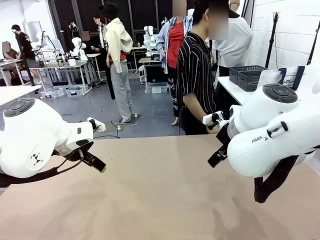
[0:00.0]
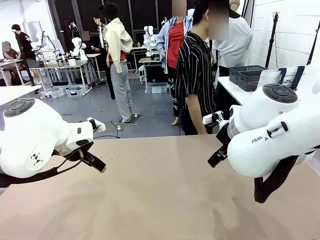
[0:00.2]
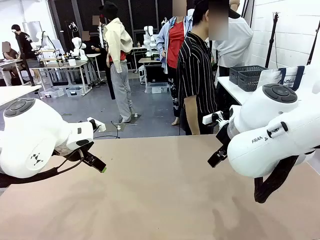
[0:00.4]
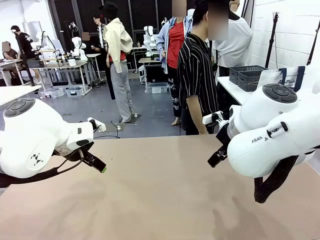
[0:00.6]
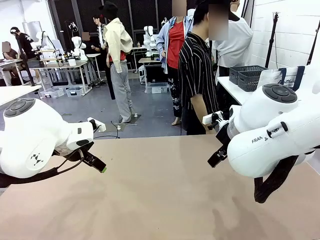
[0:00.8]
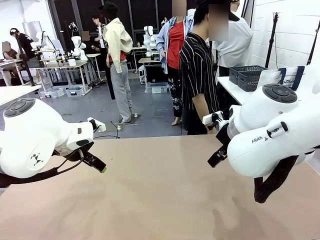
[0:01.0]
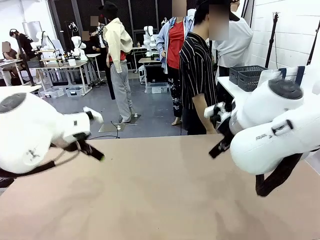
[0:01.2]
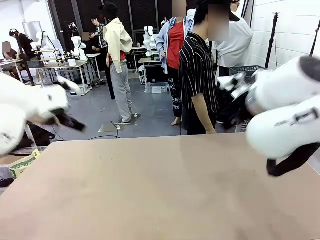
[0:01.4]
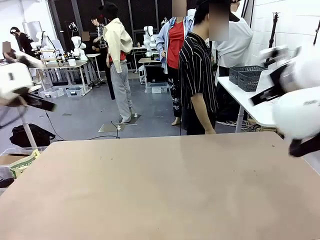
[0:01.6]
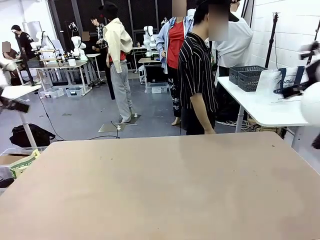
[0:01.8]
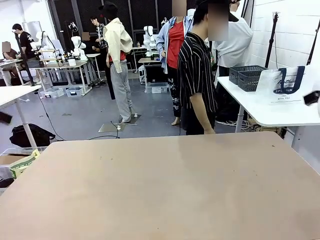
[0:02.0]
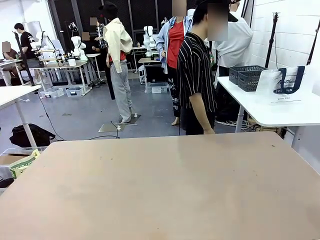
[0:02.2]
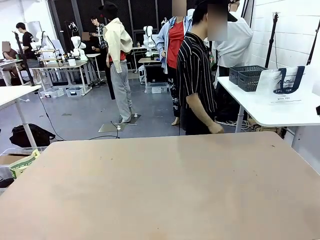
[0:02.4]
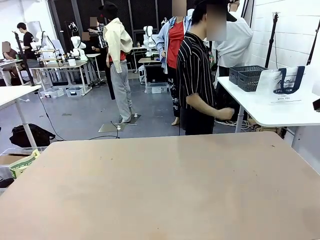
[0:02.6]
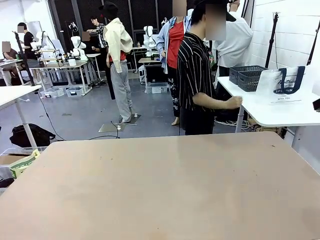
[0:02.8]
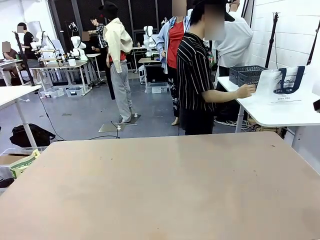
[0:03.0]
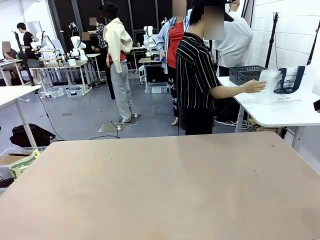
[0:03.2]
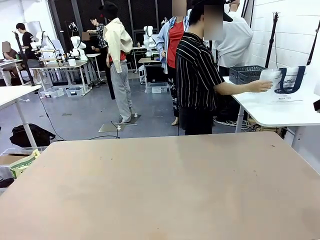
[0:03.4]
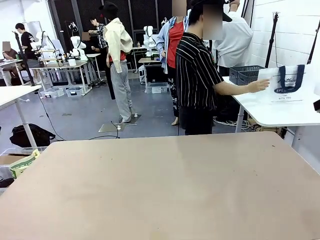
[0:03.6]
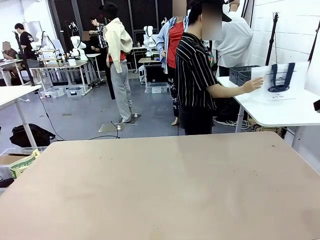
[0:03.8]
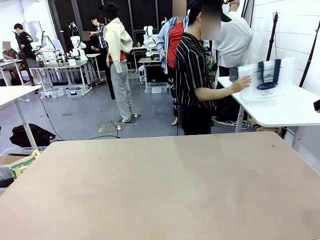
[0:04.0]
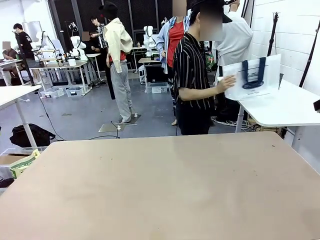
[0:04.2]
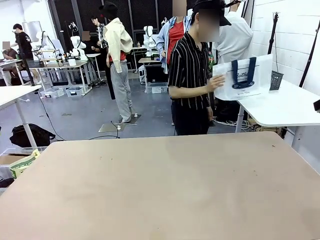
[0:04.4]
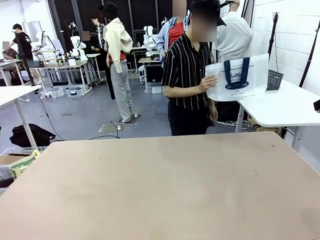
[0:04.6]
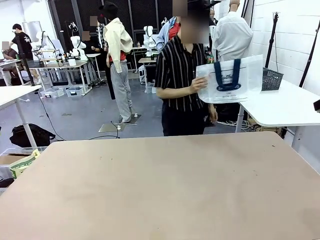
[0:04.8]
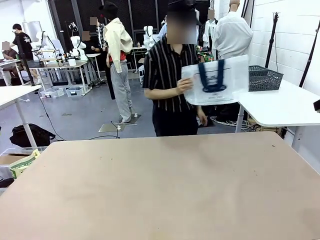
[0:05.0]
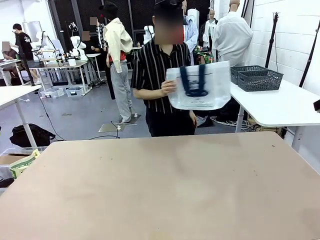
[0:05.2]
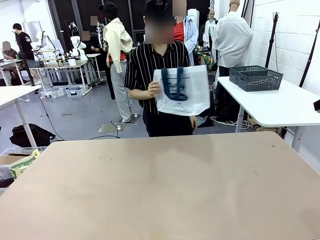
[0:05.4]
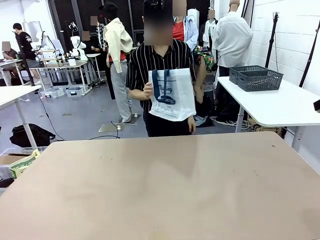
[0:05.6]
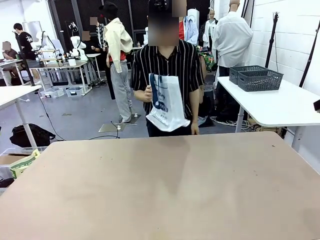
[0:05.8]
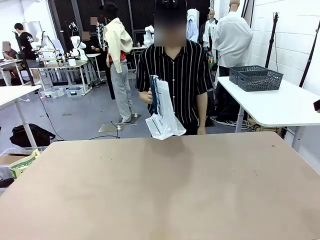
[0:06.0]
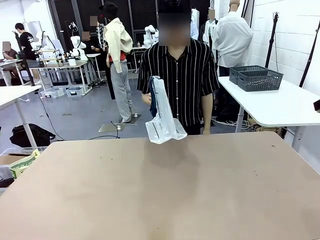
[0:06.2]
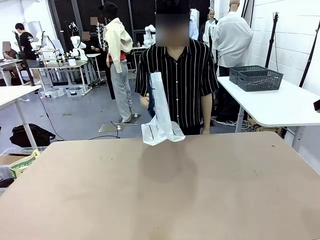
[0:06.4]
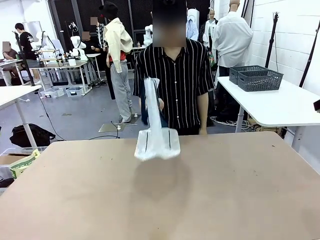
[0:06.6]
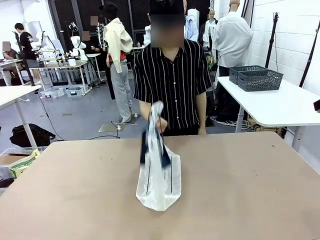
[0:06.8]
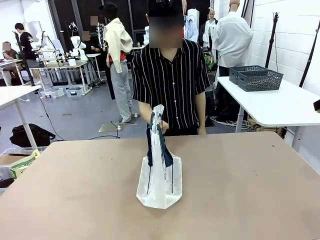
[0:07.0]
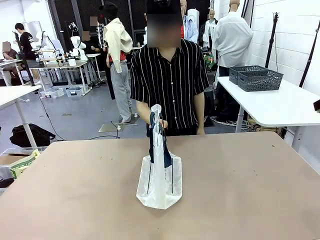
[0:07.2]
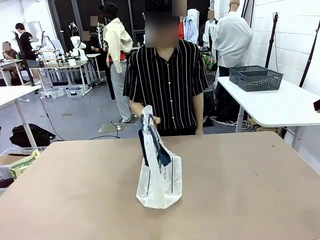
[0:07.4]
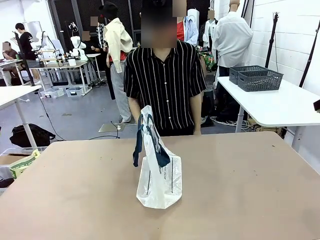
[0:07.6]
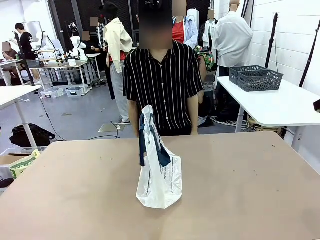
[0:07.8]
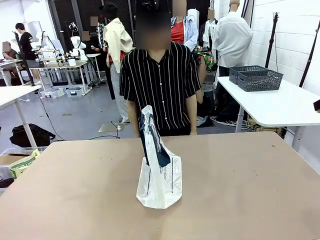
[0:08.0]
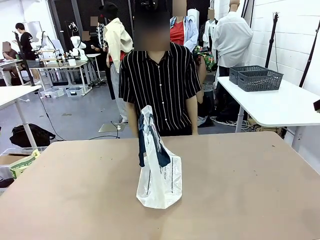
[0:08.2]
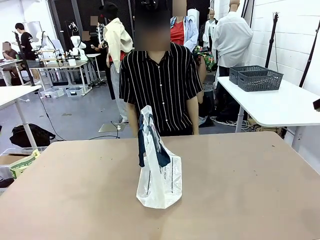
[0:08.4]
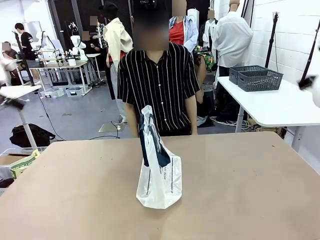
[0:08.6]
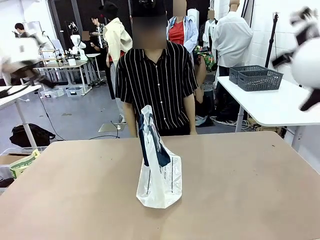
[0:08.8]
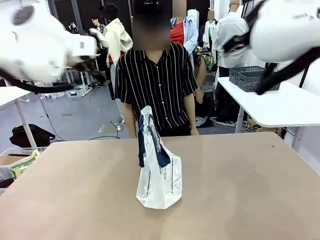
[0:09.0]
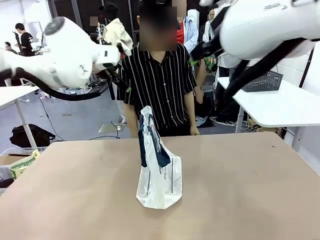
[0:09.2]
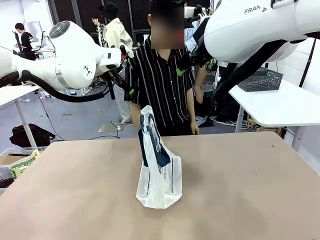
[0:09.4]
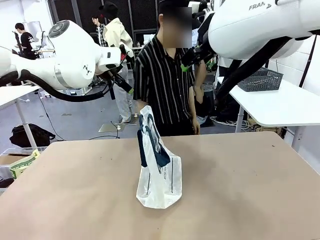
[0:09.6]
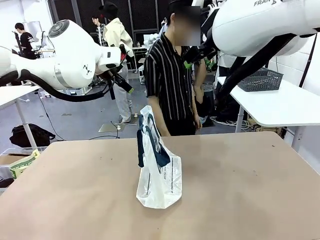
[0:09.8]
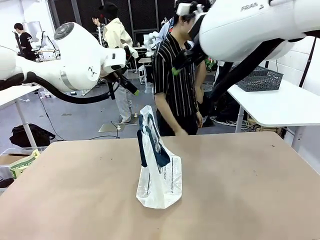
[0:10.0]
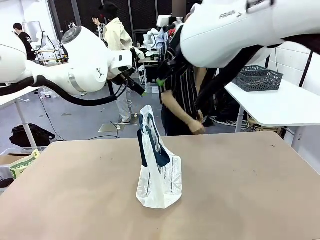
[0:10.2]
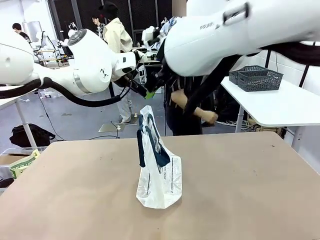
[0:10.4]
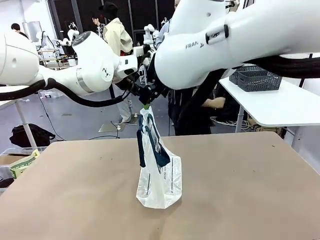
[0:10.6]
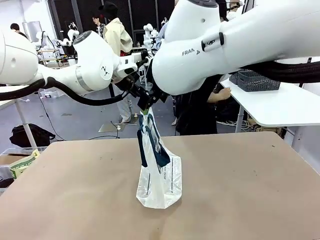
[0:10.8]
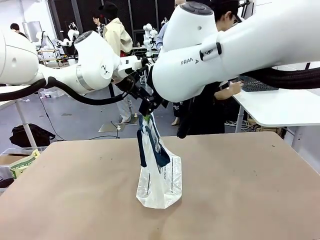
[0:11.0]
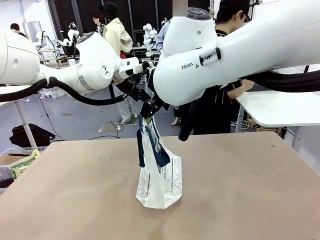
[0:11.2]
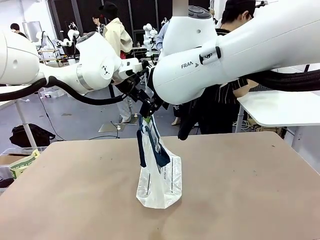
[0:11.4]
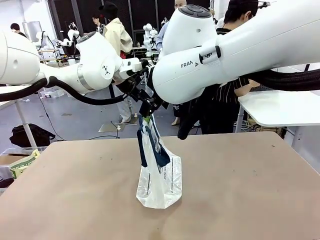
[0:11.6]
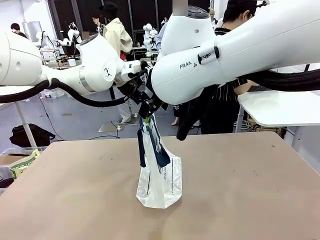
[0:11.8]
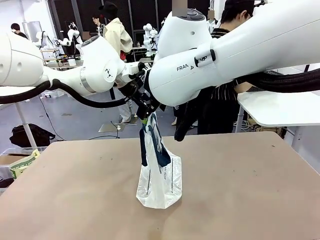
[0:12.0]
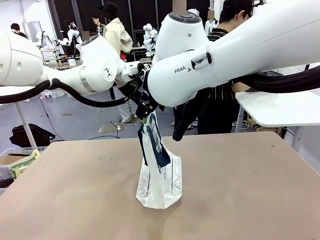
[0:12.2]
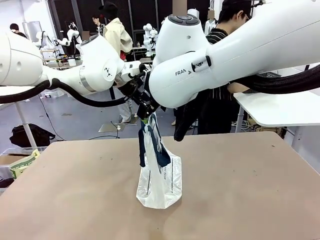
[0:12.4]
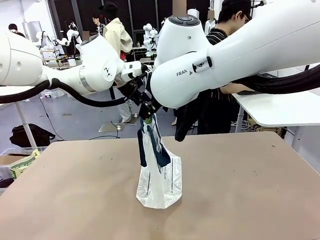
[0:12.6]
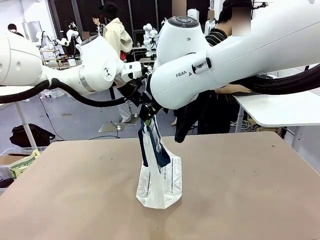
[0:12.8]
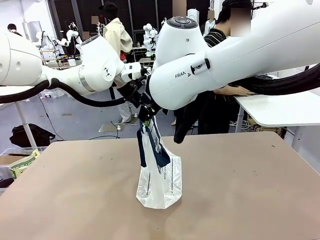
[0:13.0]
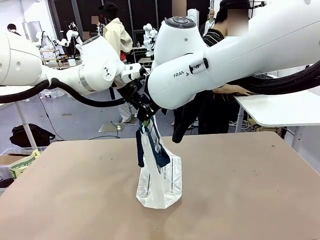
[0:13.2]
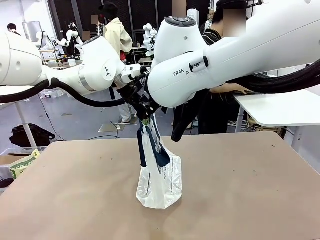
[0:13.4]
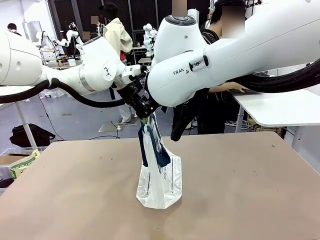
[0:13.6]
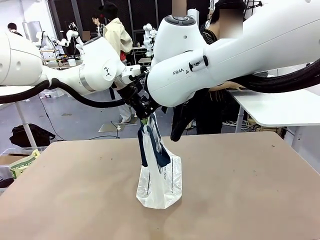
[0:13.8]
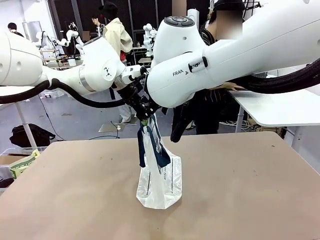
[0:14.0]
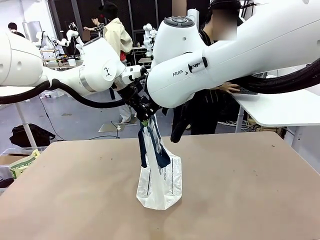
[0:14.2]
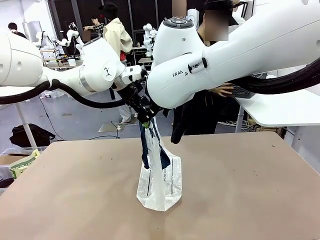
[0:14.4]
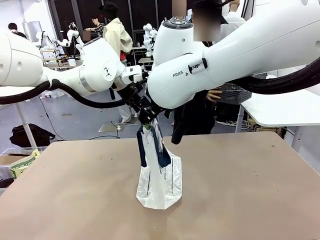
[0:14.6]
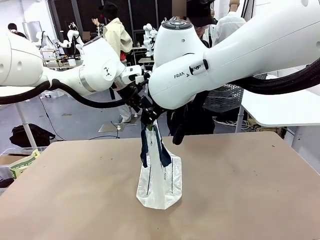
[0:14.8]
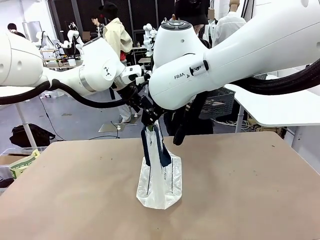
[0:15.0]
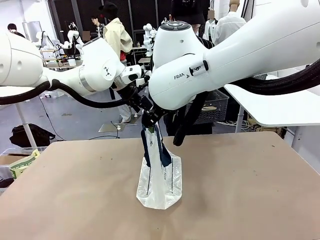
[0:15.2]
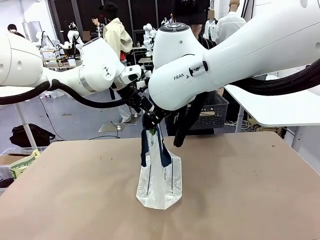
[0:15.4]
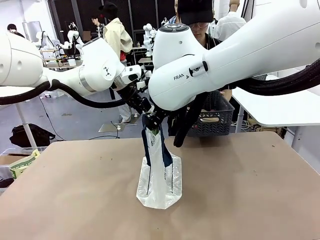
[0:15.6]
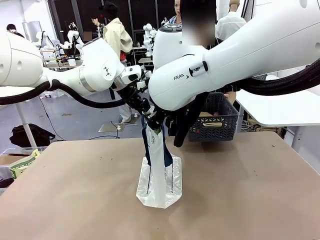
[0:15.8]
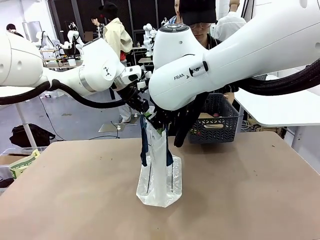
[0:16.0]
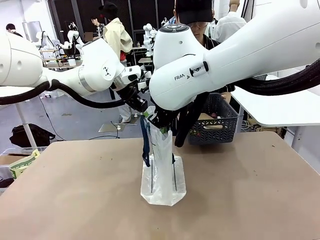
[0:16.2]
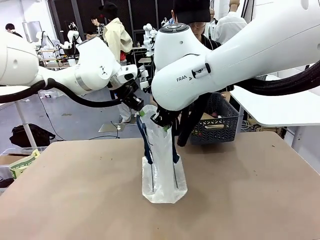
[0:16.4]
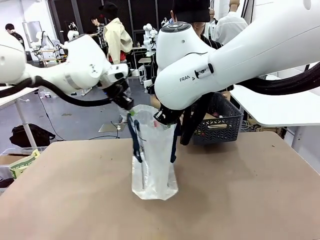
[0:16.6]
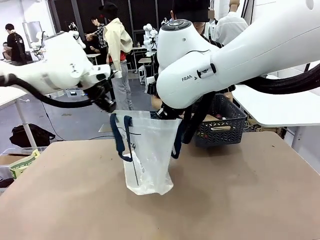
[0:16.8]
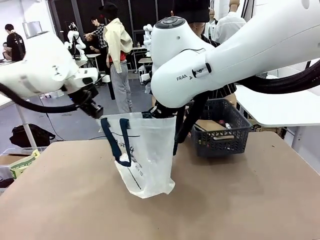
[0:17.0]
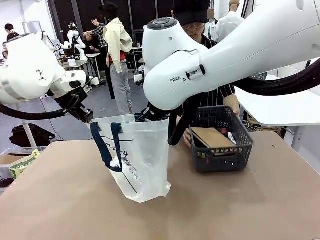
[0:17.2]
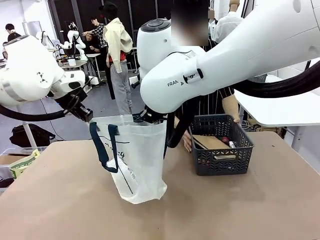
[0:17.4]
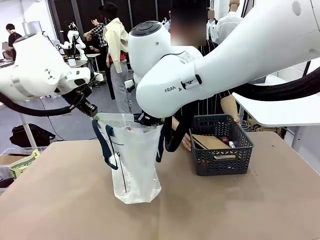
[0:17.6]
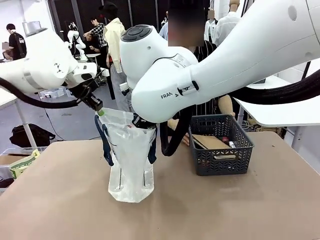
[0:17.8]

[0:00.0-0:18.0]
Task: Transfer purchased items from the store into the shopping bag.
Robot: Open the Reusable shopping bag in the center of the table.
Person: Pick up the shopping bag and place it in the middle of the robot table. Pick up the basket on the right, place it on the left side of the robot table, and move the items in the basket to the shopping bag.
